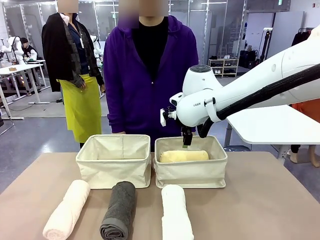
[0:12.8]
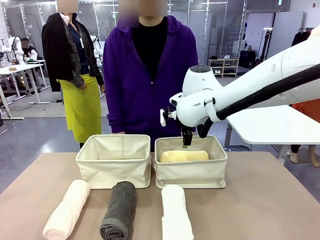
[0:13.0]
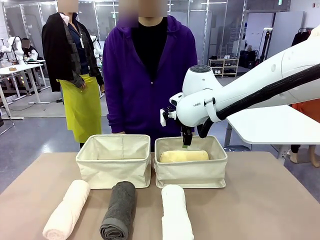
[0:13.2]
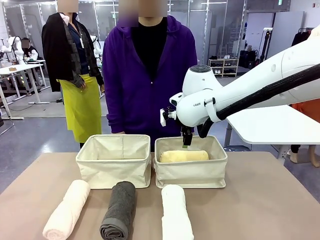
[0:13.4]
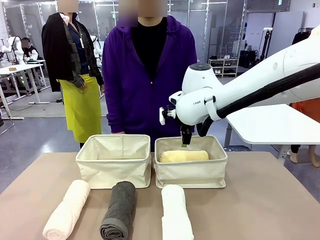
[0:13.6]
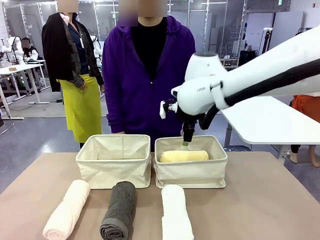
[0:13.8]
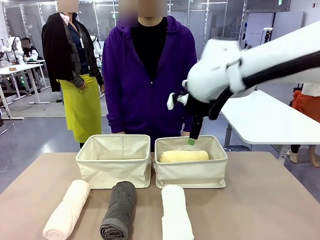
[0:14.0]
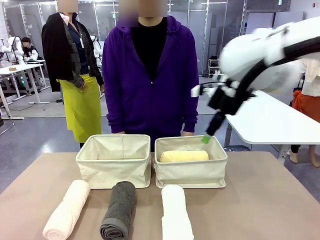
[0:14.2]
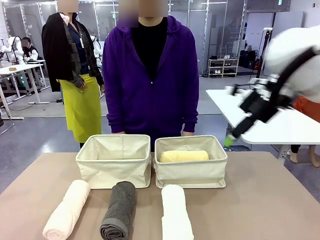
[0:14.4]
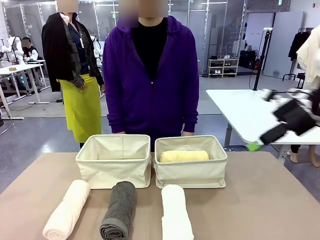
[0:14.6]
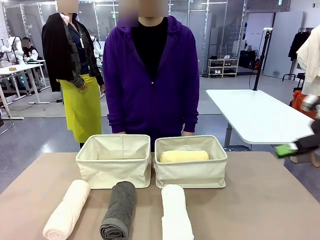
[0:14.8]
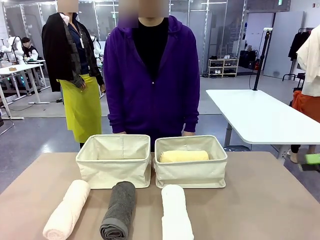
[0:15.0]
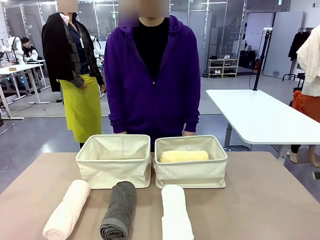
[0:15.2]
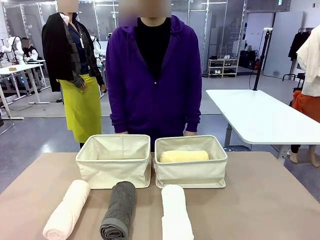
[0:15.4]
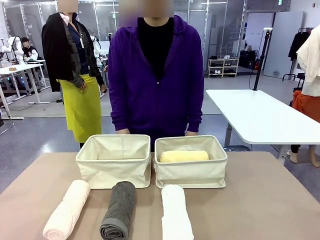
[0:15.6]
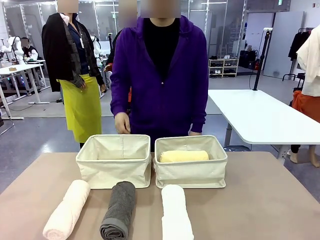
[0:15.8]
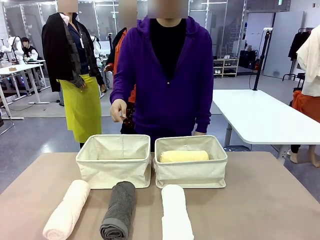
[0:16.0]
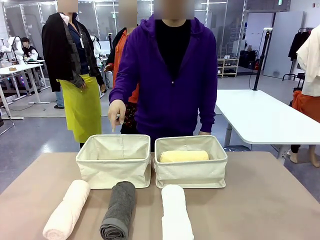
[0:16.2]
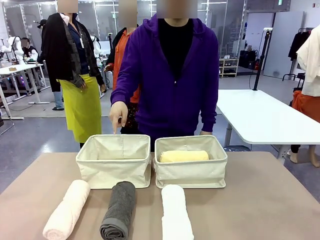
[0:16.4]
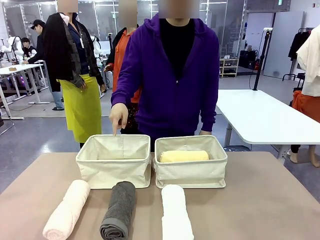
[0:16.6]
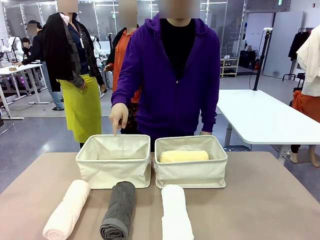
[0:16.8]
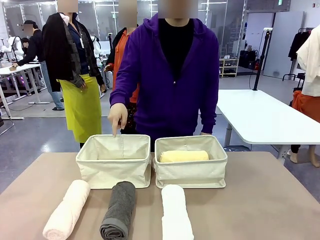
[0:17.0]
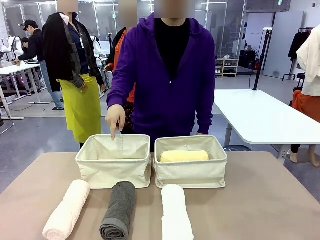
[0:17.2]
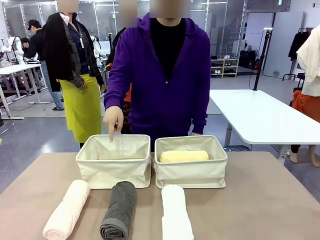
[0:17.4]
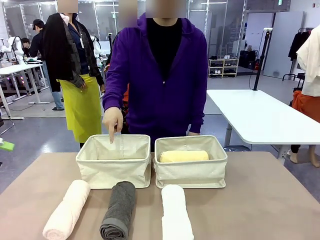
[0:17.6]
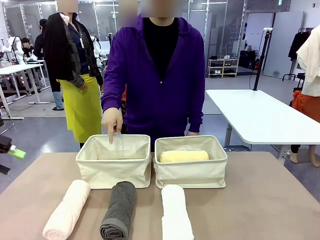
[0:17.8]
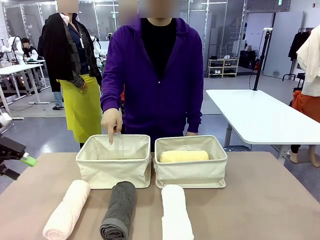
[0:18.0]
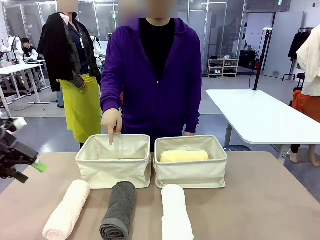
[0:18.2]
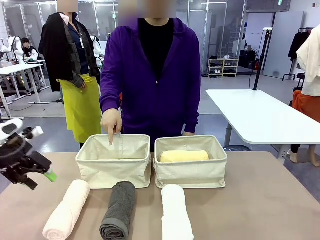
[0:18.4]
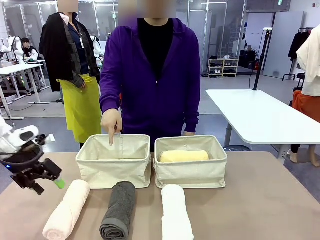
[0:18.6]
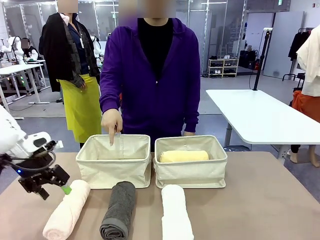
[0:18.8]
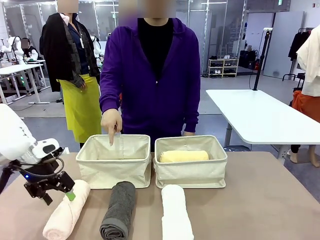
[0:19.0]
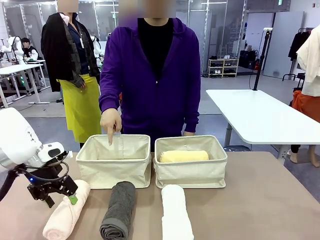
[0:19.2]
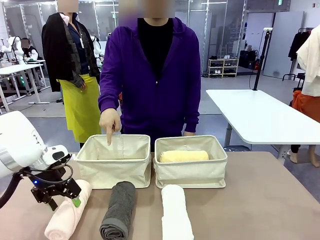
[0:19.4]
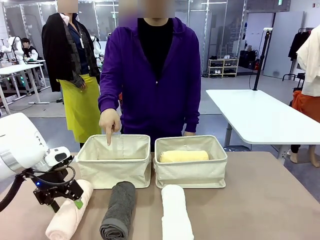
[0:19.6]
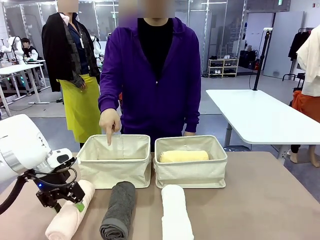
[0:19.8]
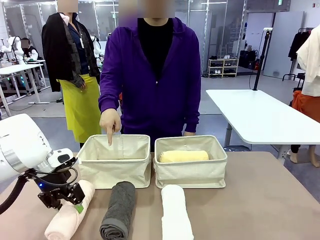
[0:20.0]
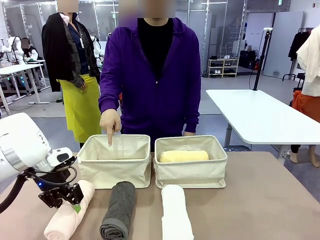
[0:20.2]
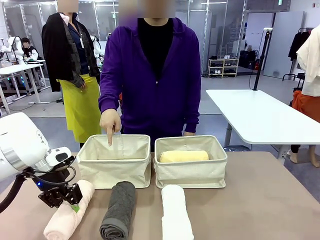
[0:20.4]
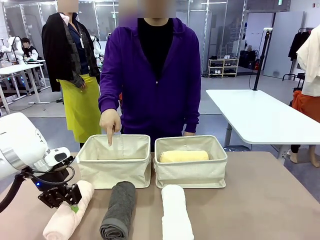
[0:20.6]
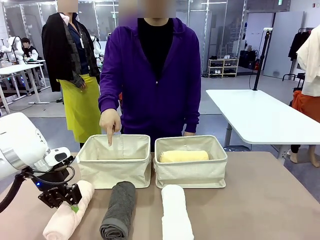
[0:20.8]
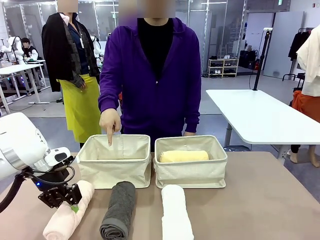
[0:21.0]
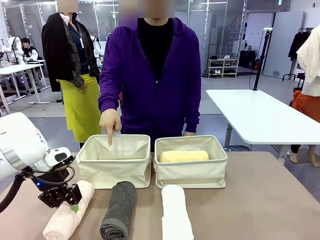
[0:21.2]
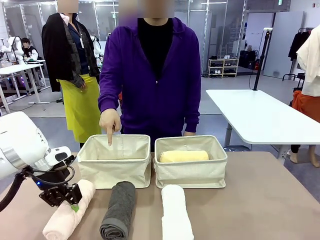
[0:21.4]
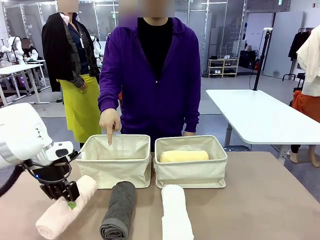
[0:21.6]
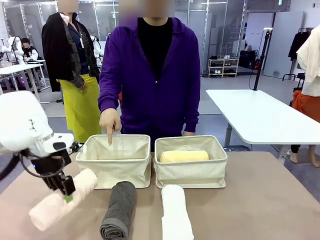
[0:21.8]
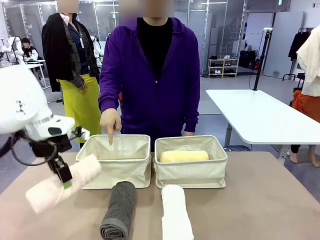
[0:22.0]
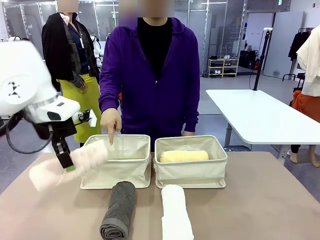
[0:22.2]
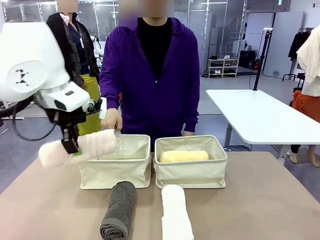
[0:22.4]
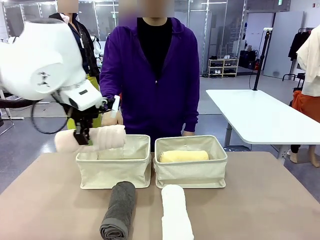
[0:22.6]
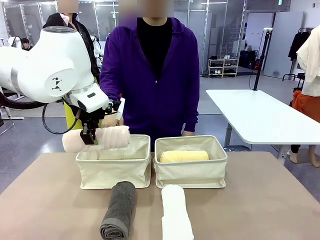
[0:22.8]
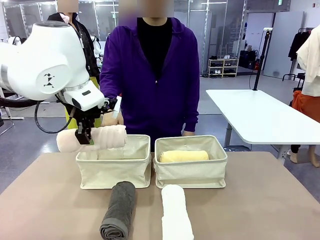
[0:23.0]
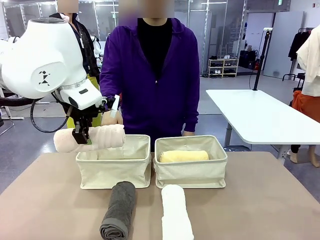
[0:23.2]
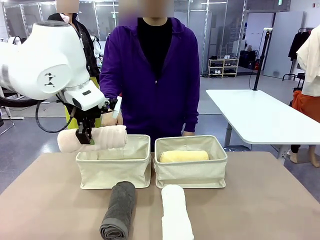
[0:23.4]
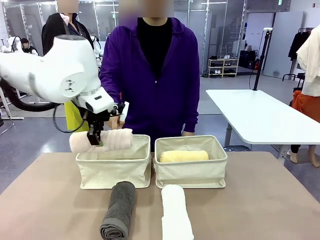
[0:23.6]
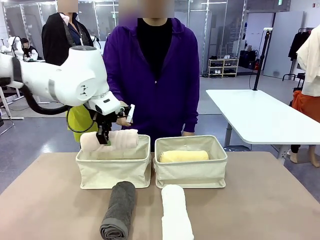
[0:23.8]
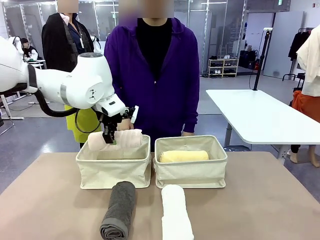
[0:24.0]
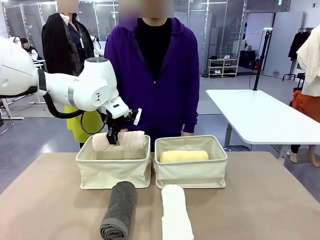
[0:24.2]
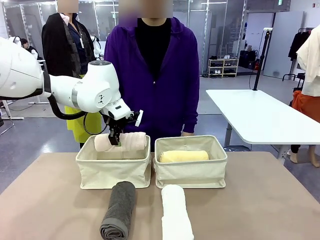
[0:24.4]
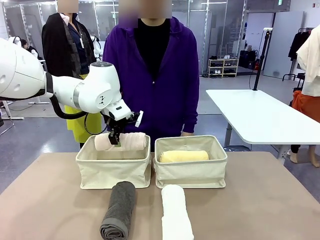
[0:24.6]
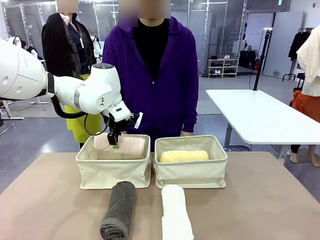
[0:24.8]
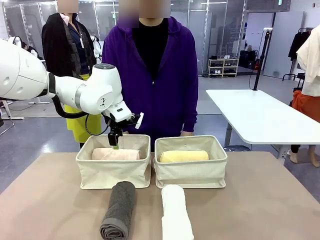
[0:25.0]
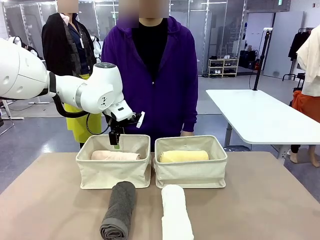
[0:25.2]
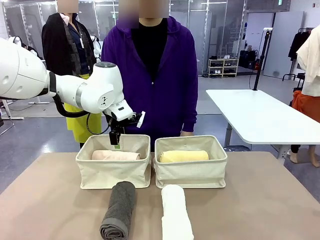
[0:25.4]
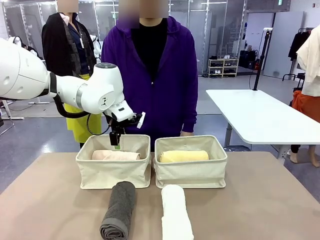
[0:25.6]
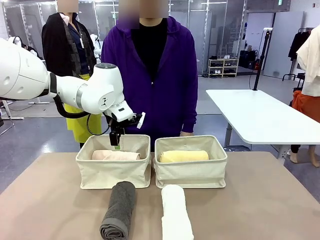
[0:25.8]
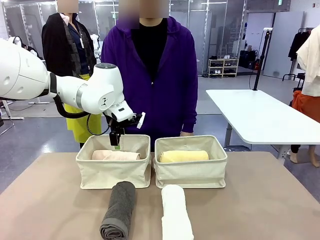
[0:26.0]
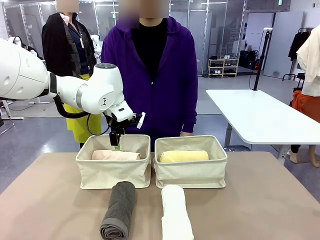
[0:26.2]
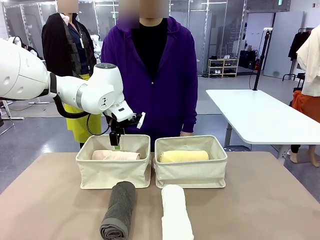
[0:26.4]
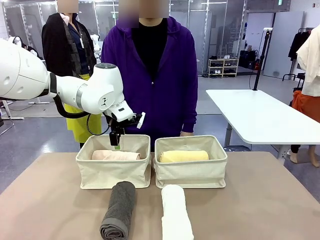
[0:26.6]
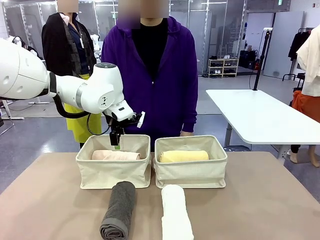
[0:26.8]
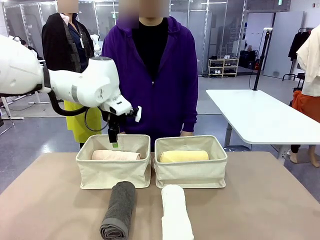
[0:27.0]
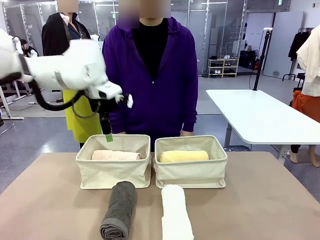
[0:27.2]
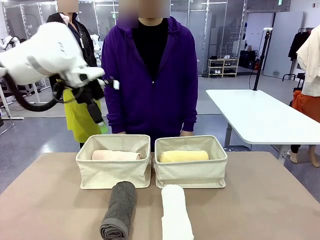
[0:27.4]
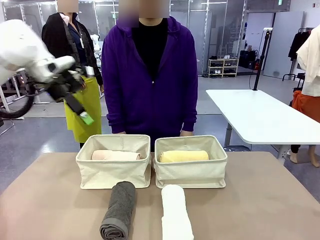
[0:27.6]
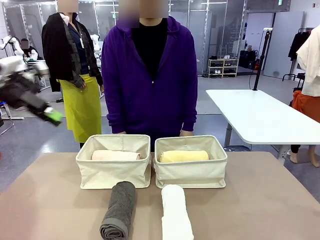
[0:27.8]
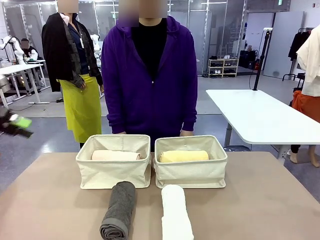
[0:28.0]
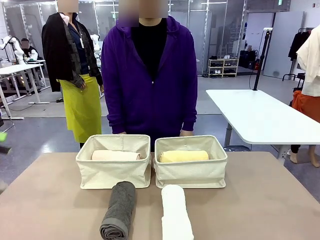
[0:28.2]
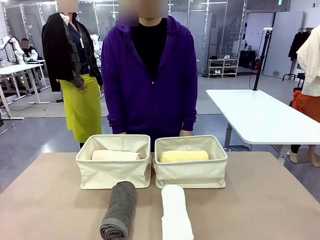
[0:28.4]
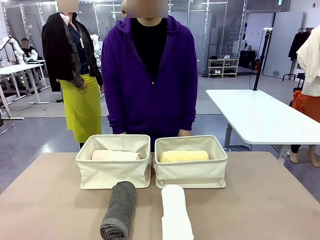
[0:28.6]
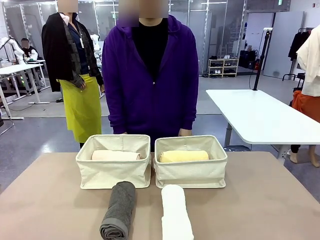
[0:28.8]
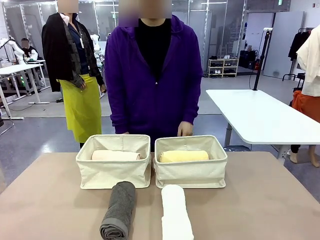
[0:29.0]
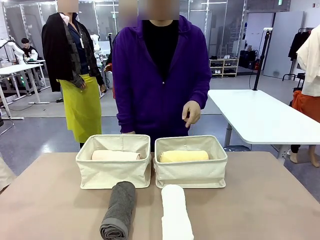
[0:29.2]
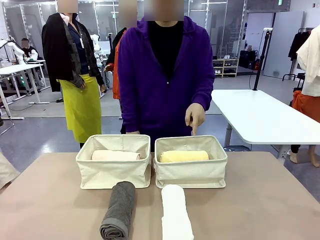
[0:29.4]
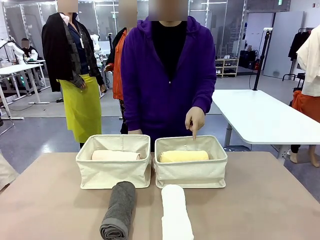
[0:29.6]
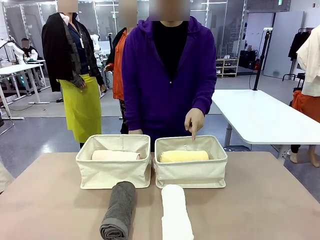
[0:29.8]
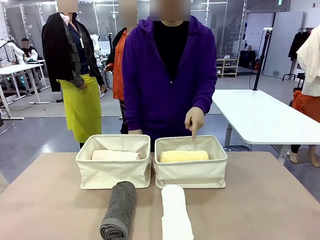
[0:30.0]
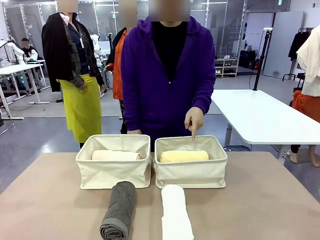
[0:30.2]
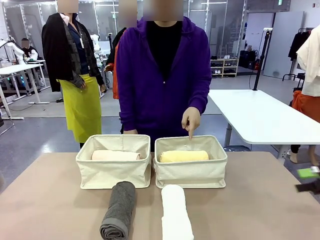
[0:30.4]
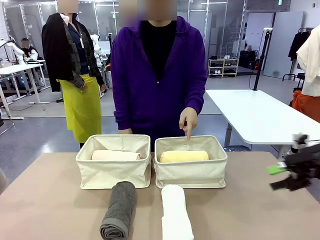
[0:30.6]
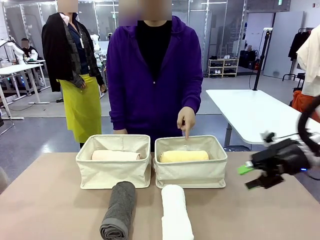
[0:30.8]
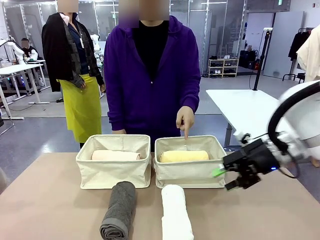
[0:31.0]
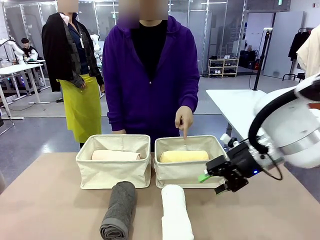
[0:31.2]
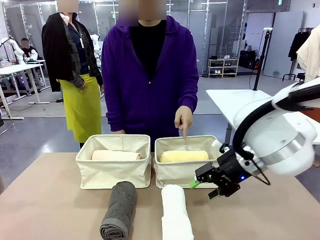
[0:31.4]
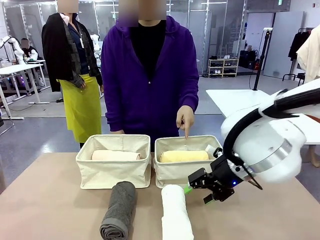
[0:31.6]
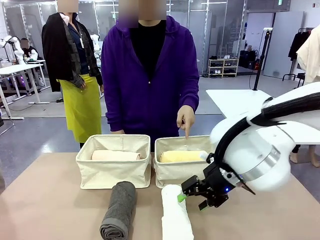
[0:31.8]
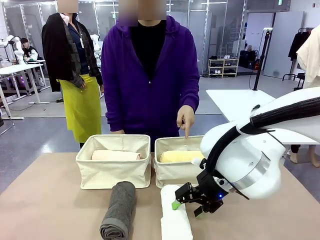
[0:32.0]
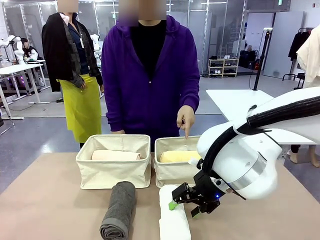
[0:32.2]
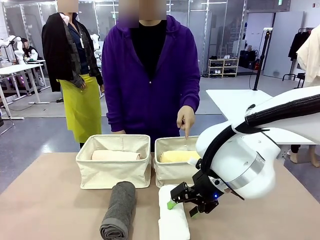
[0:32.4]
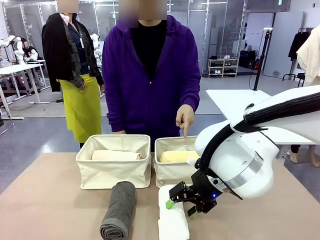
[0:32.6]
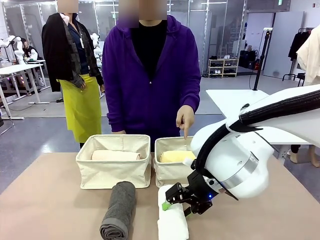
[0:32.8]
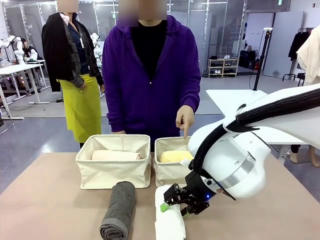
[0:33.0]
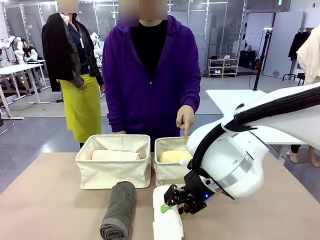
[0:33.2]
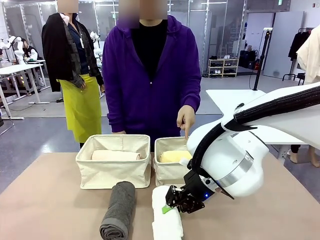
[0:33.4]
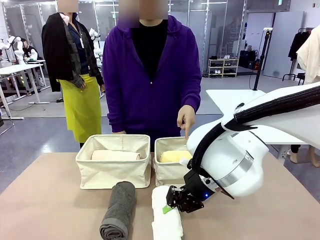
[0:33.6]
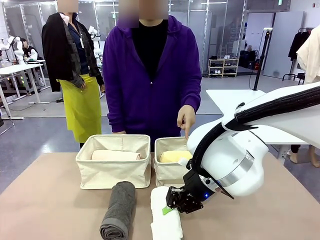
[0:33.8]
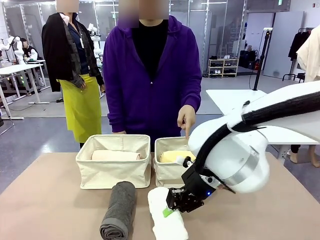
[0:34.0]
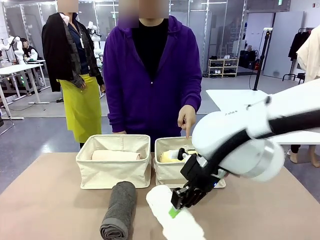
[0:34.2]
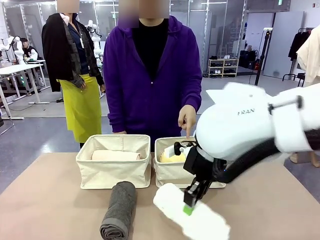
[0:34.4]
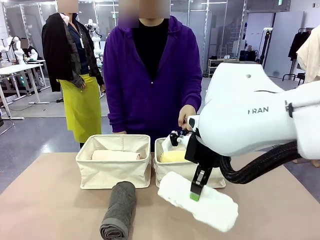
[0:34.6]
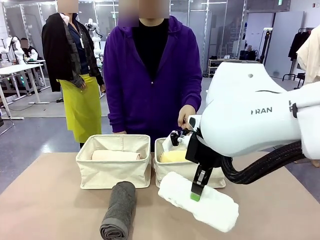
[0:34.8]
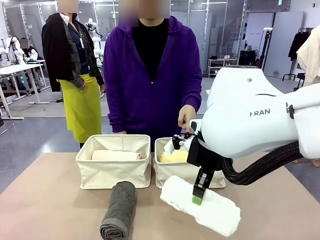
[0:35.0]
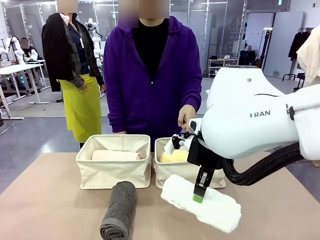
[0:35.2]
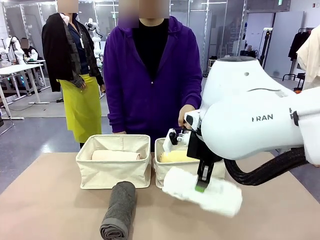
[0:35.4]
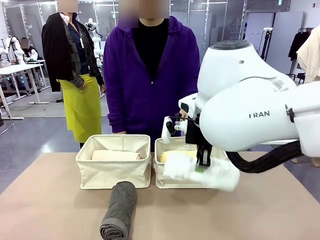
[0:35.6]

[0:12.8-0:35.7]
Task: Divide the towels into two baskets.
Robot: Pick up one hotel-folded towel from the bottom of the table and place it in the Fabric basket indicated by the person.
